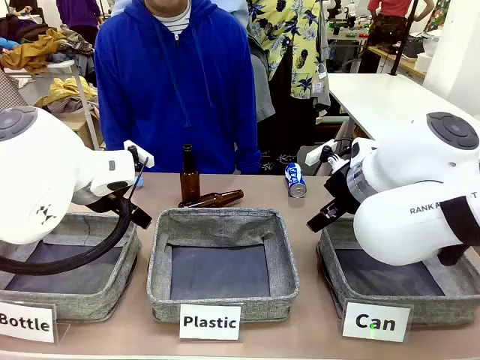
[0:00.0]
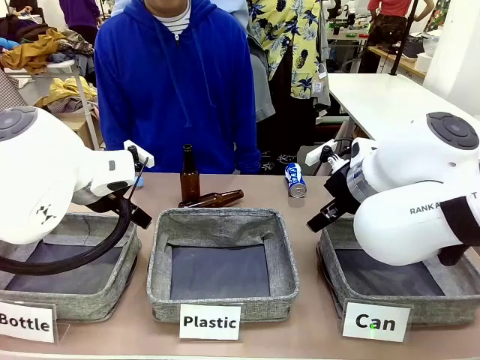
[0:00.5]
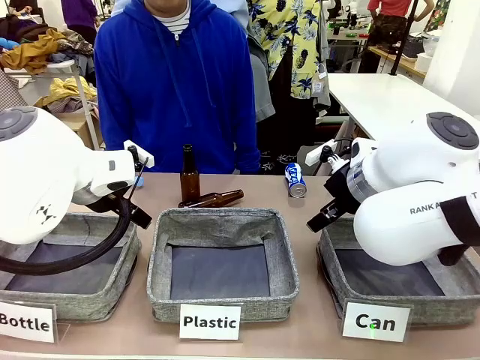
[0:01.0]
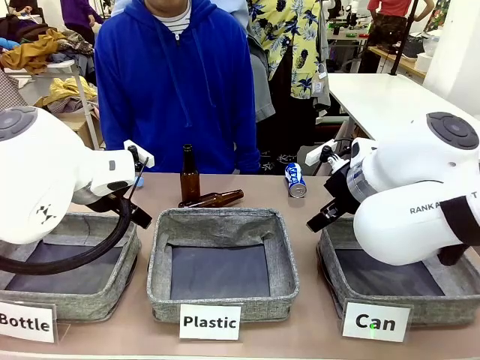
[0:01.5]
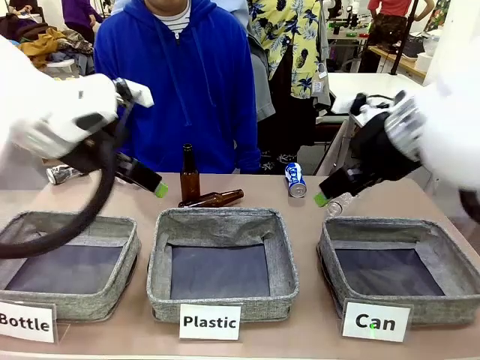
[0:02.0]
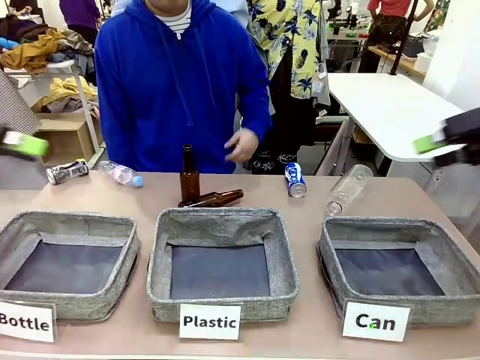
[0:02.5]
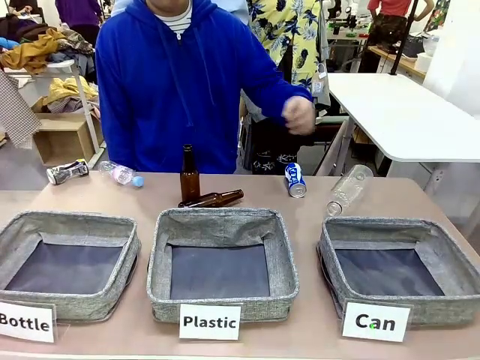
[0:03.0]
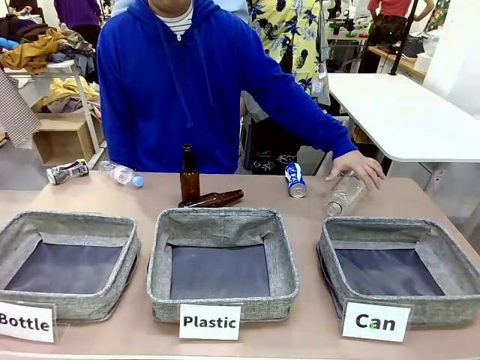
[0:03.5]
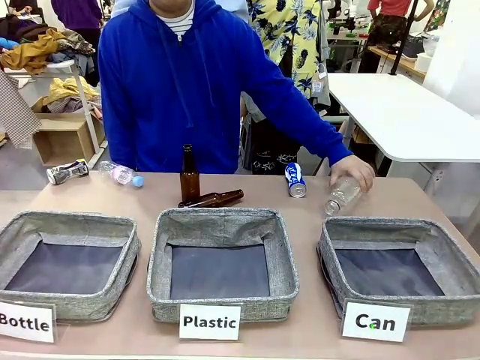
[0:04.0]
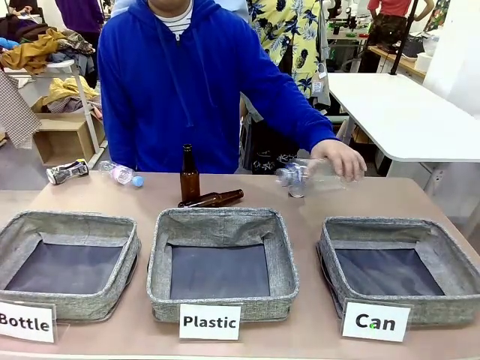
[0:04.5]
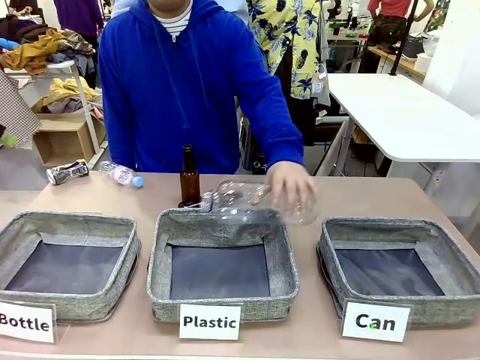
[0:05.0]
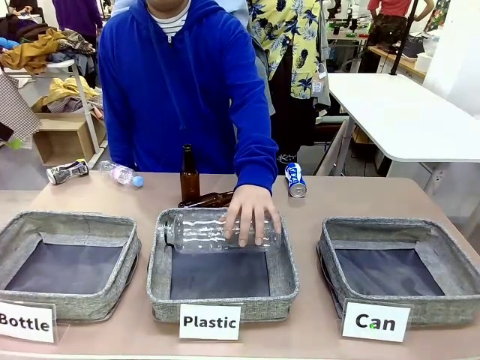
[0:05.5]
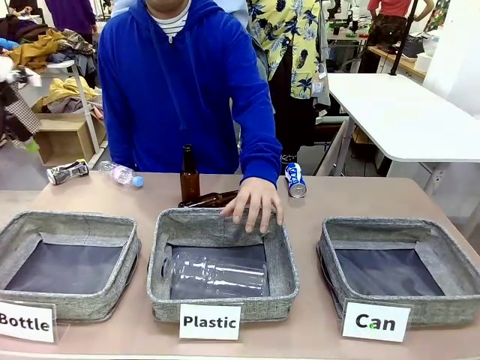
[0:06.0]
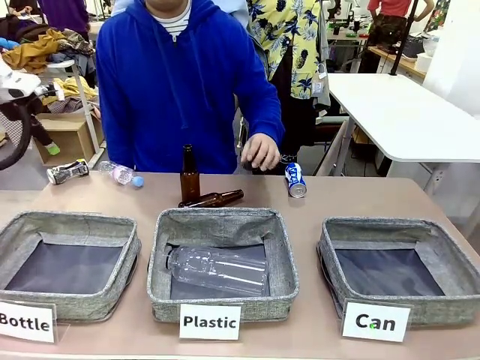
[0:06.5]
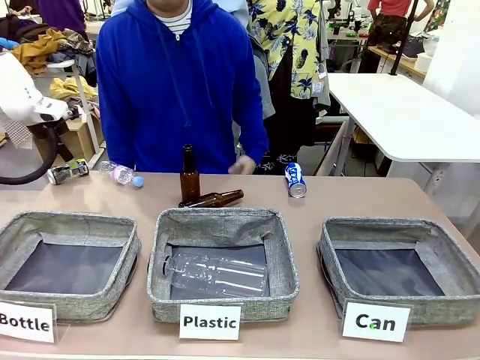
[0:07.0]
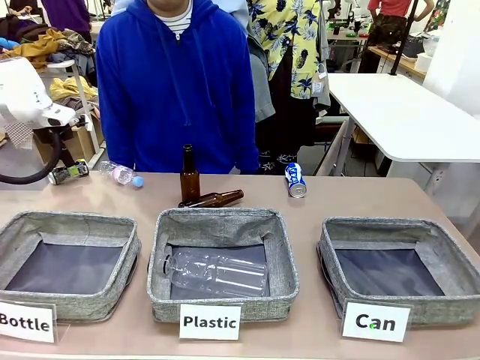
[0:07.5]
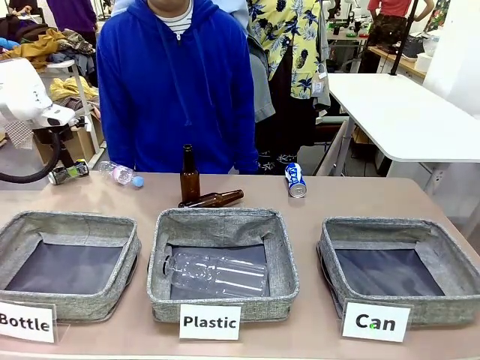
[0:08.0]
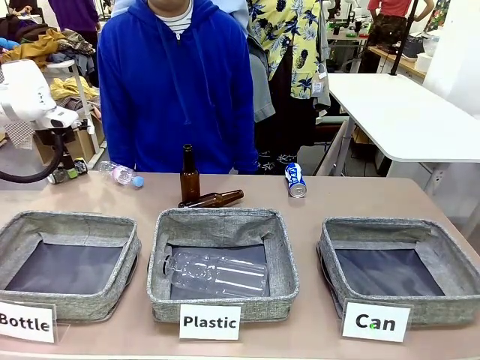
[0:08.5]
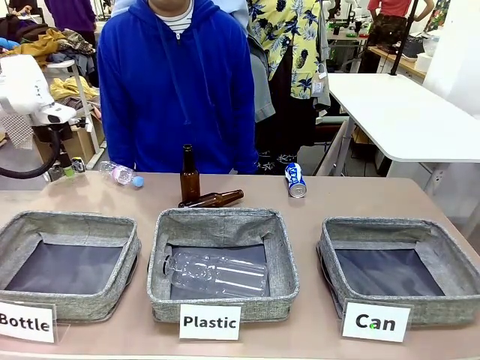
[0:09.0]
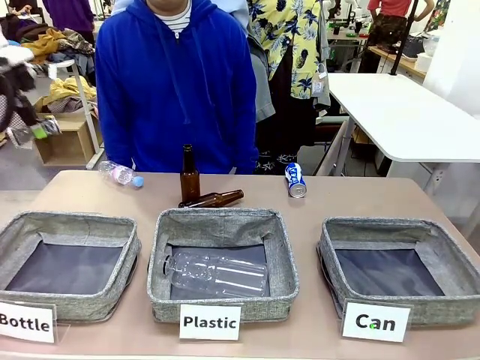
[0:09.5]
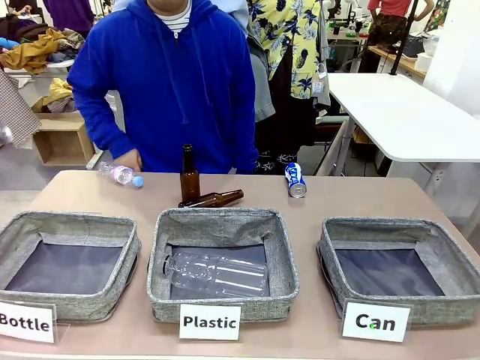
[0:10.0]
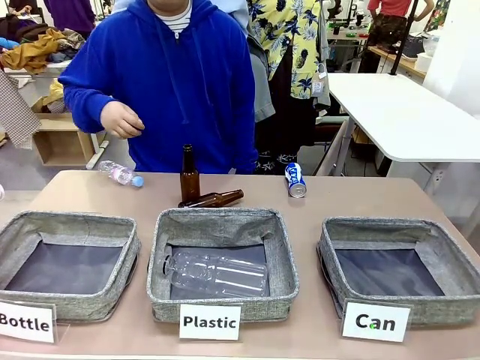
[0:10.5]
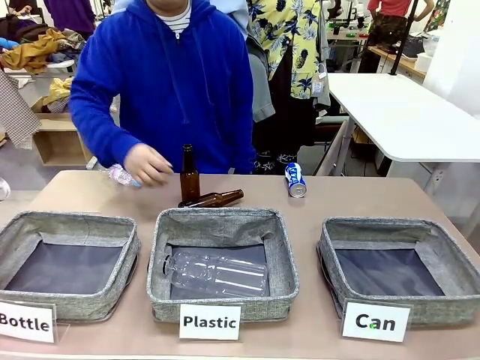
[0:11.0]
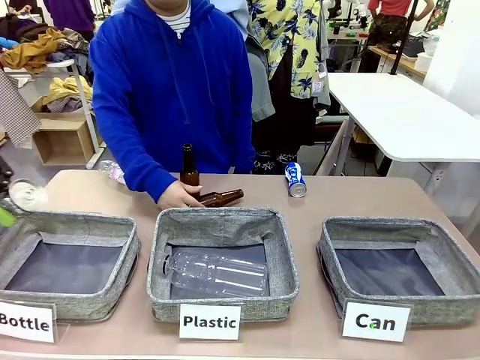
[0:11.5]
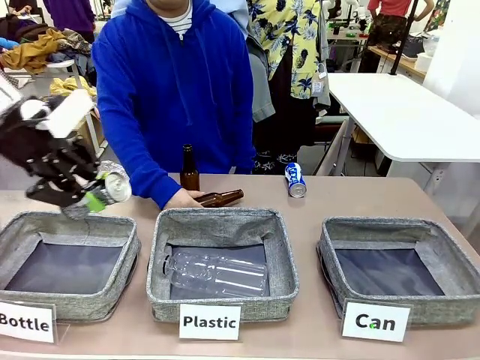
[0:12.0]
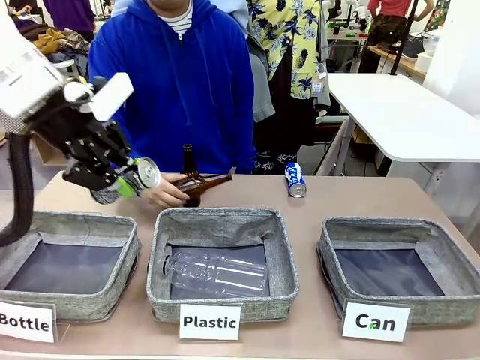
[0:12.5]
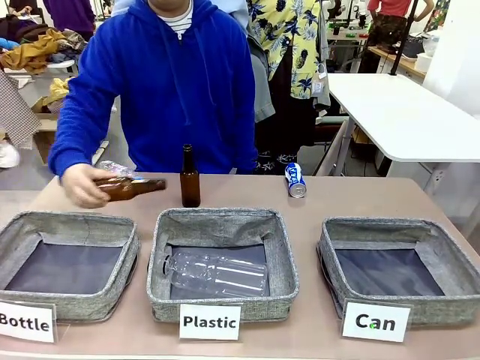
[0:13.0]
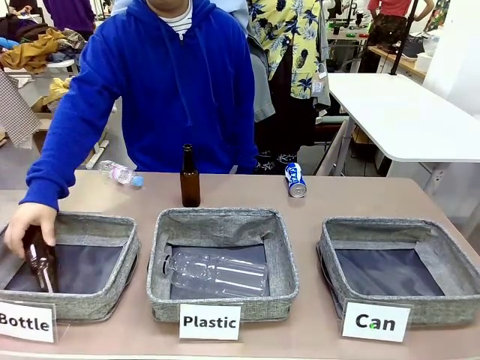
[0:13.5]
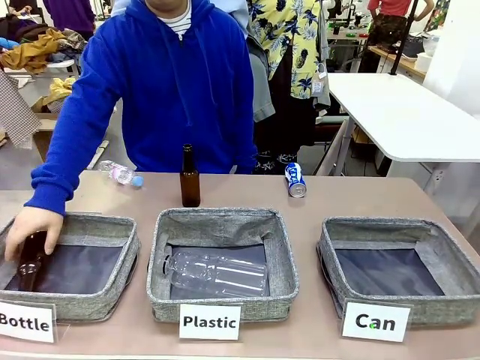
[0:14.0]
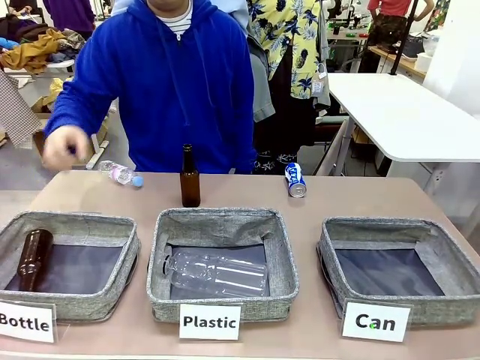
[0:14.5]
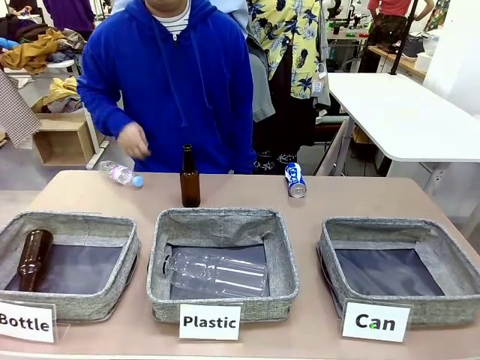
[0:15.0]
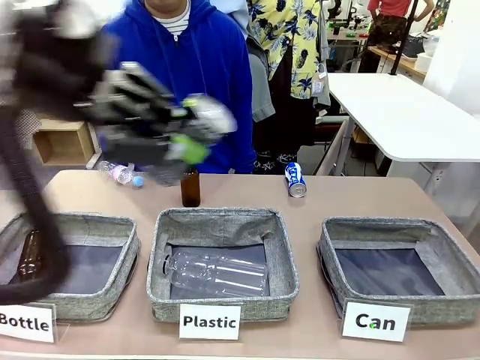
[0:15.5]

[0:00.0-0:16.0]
Task: Sort the can waste into the basket.
Robot: Pick up the can waste from the table and place it in the right Fabric basket.

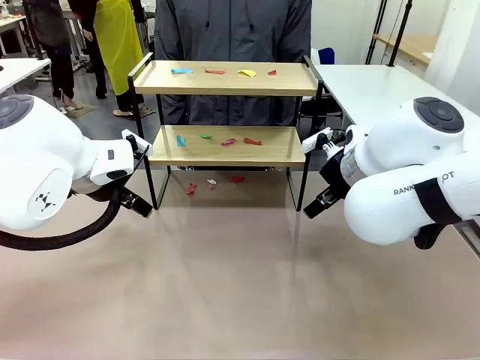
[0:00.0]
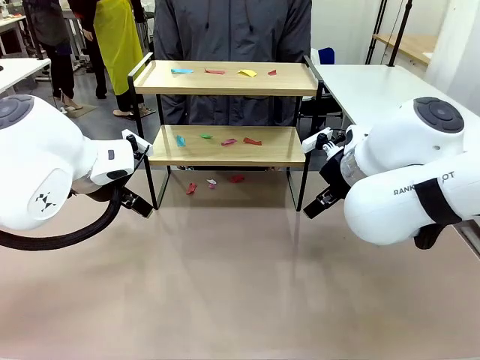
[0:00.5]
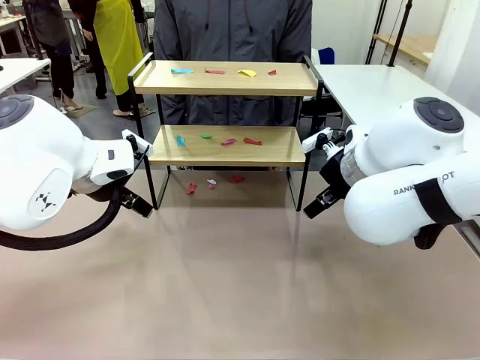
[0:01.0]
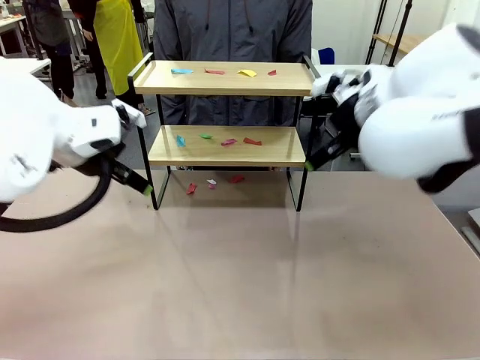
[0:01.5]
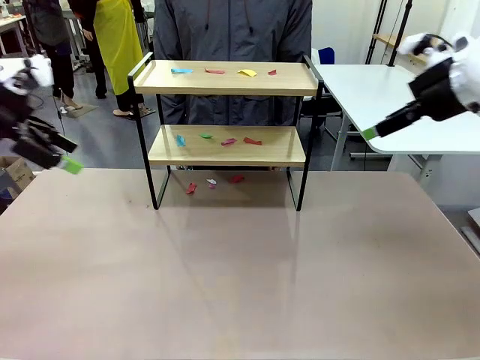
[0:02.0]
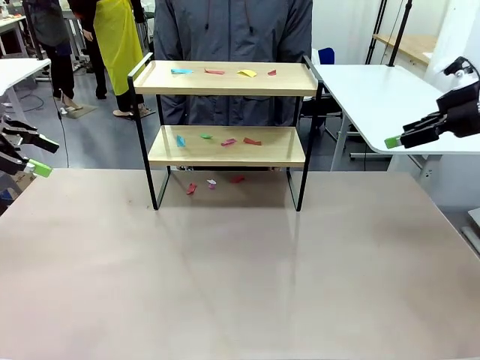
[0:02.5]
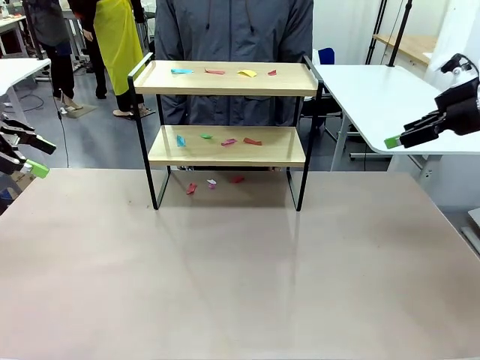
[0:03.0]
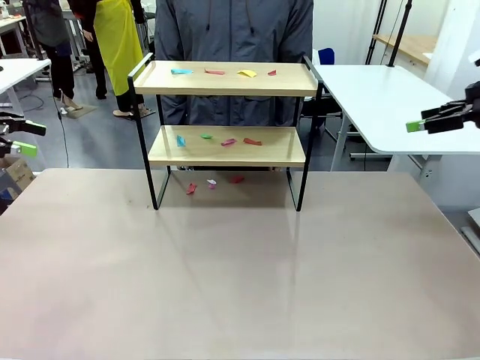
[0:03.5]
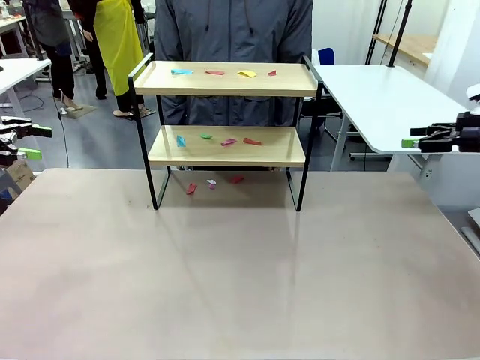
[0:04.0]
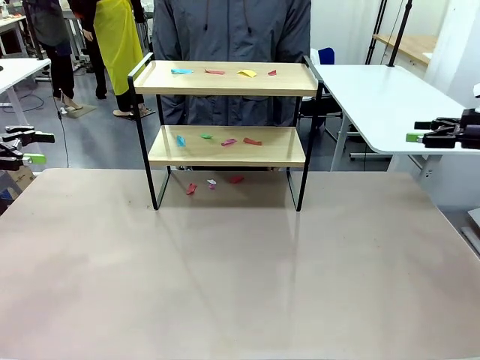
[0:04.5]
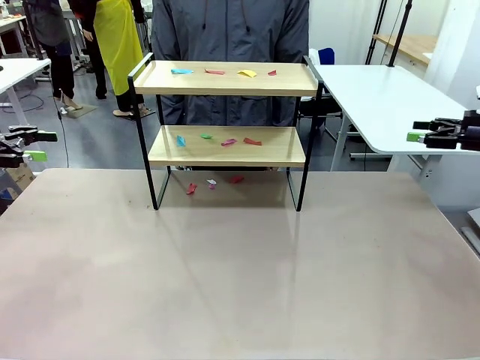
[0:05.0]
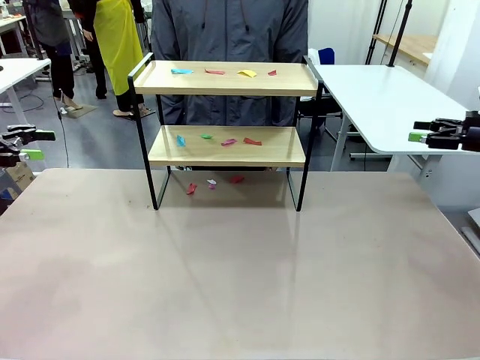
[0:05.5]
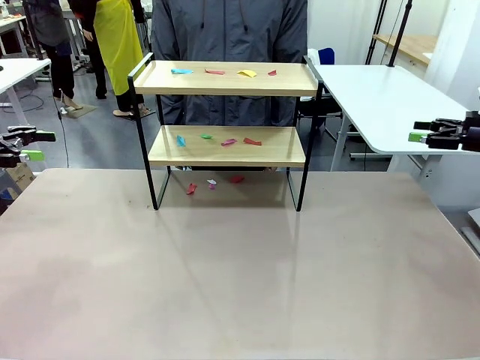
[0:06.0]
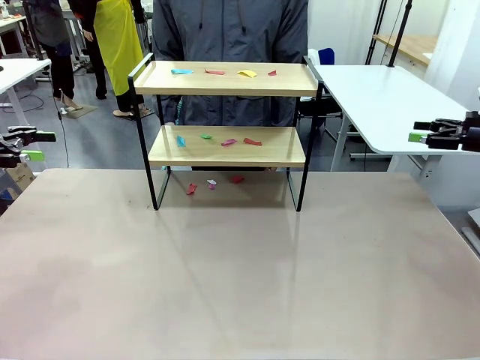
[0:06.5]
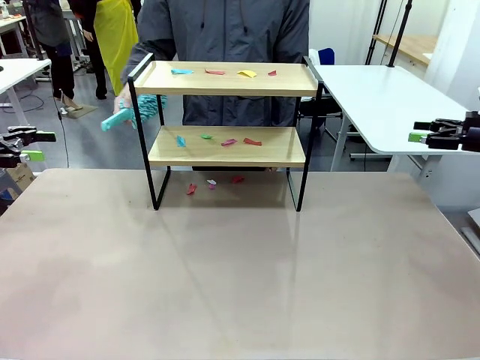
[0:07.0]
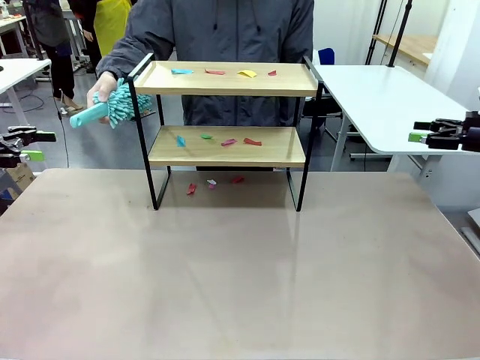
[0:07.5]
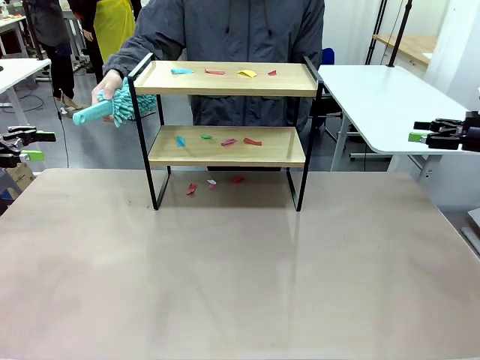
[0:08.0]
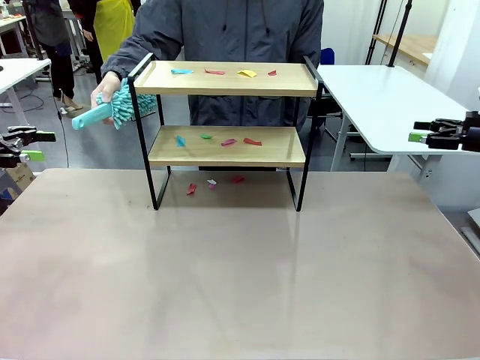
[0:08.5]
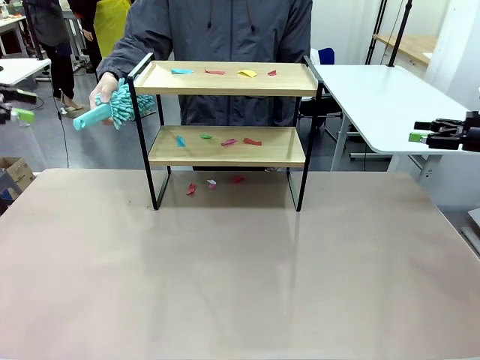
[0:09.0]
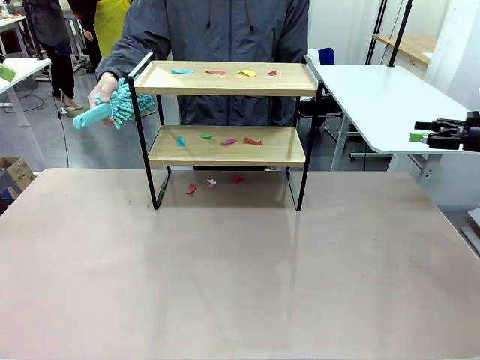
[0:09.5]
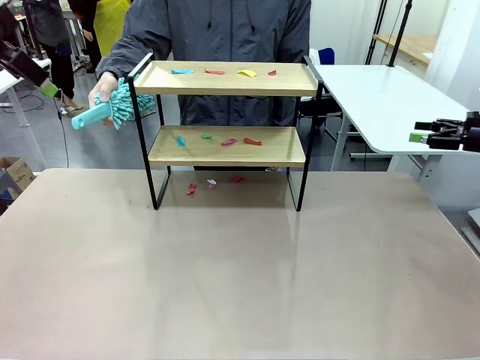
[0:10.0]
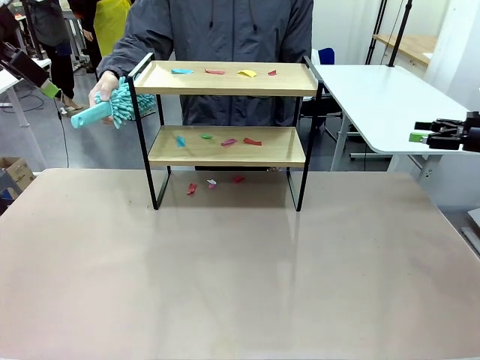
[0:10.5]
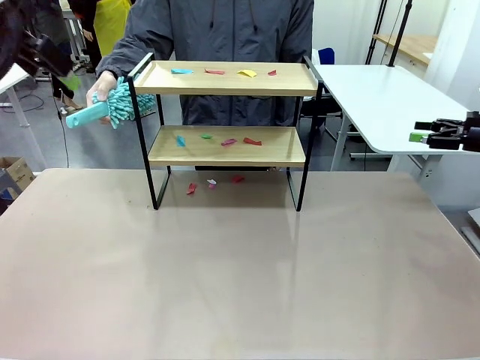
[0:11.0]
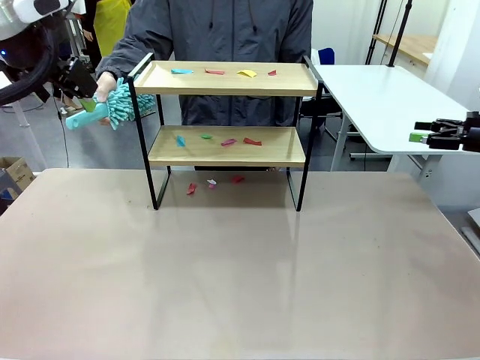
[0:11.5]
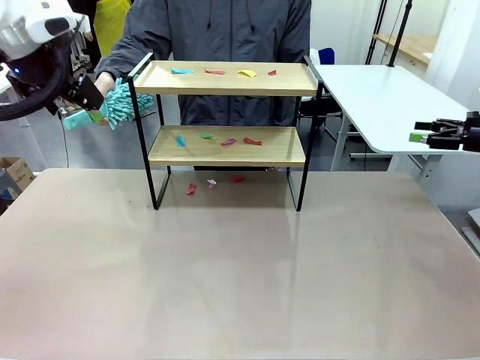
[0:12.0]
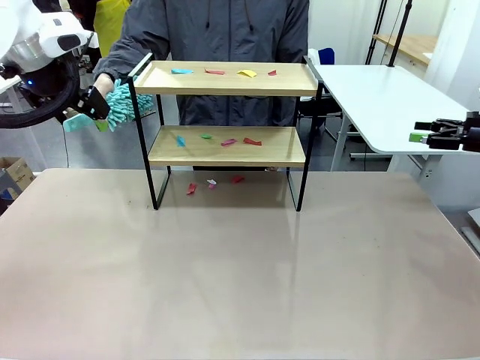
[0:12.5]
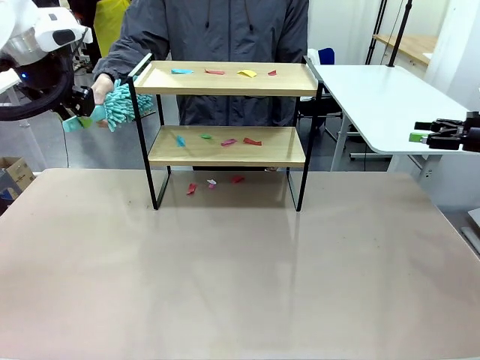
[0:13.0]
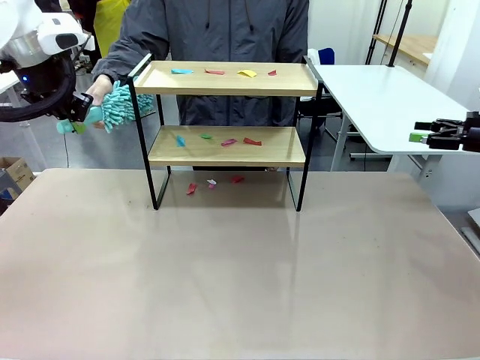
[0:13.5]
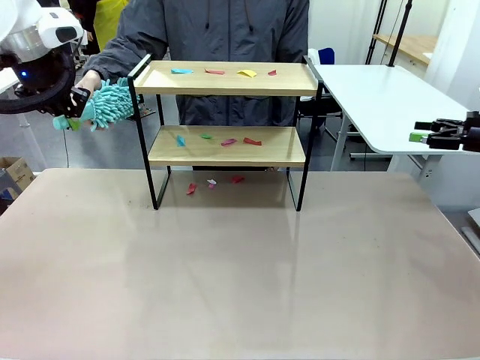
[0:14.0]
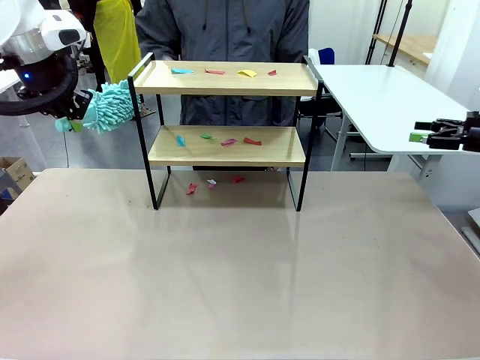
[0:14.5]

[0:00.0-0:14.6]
Task: Clean the shelf.
Robot: Pick up the Duster handed by the human.
Person: Hand the Duster to the robot.
